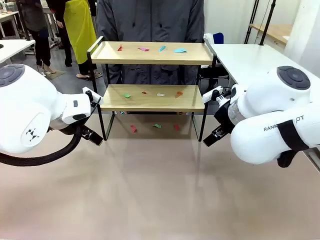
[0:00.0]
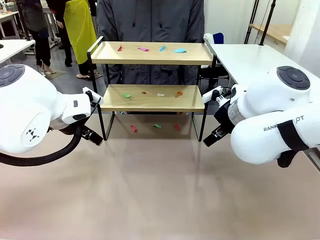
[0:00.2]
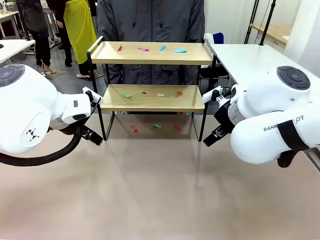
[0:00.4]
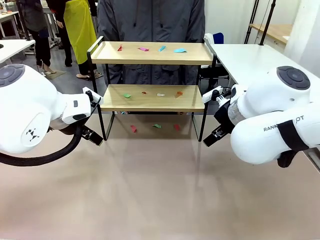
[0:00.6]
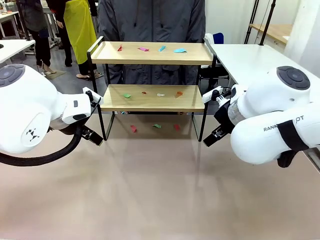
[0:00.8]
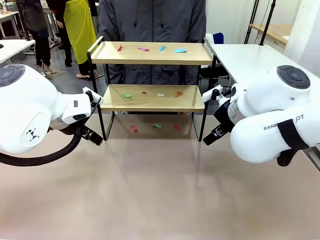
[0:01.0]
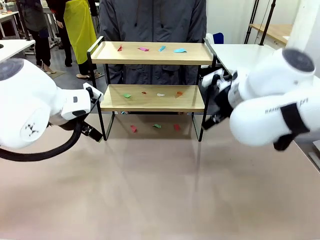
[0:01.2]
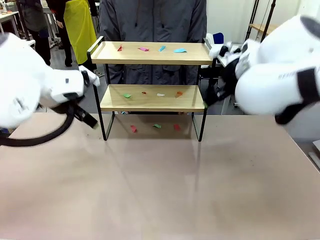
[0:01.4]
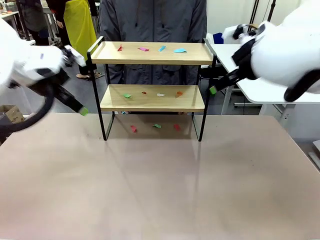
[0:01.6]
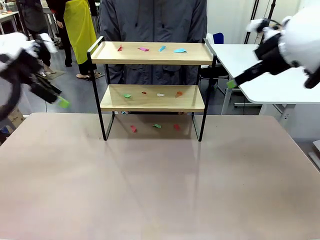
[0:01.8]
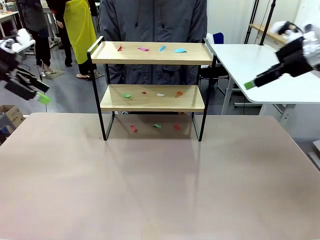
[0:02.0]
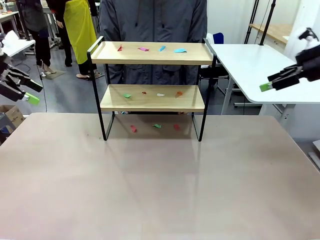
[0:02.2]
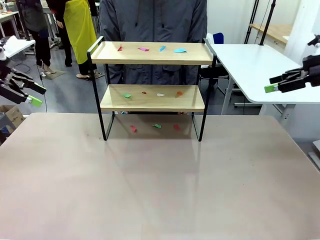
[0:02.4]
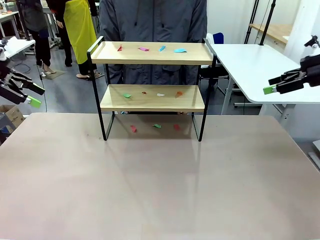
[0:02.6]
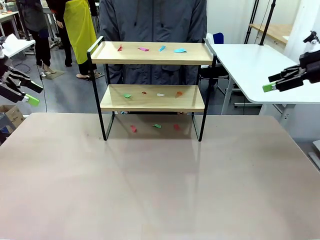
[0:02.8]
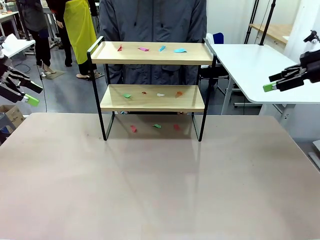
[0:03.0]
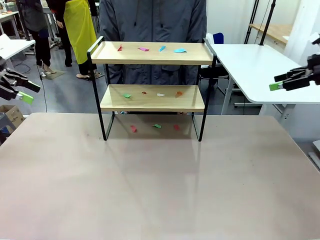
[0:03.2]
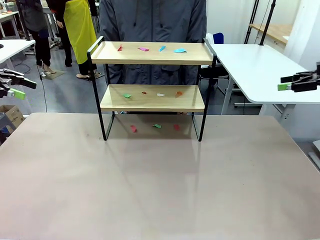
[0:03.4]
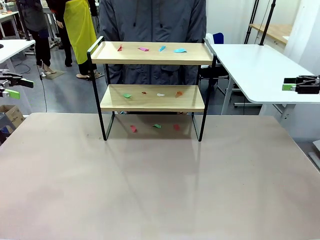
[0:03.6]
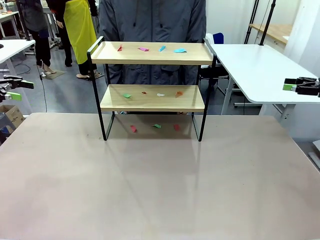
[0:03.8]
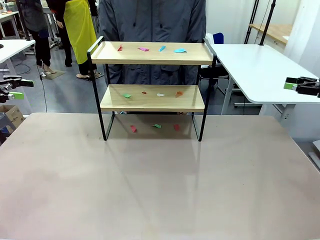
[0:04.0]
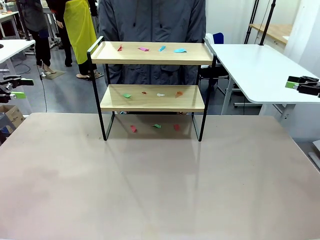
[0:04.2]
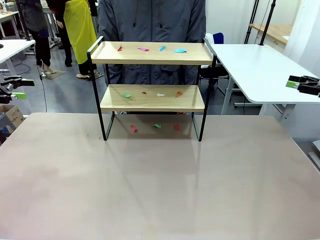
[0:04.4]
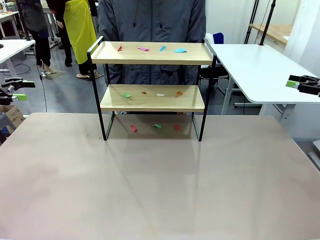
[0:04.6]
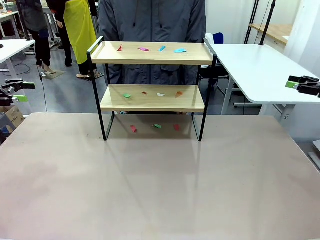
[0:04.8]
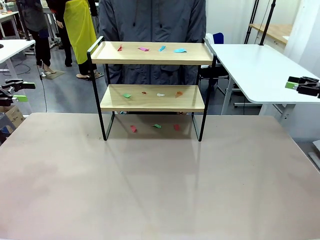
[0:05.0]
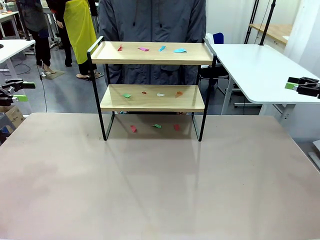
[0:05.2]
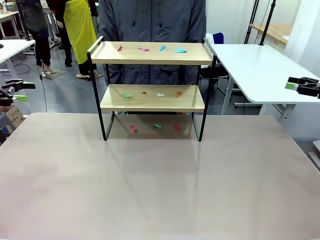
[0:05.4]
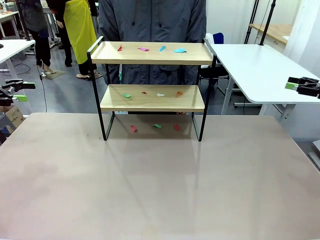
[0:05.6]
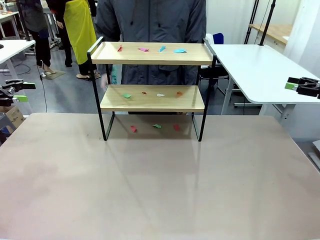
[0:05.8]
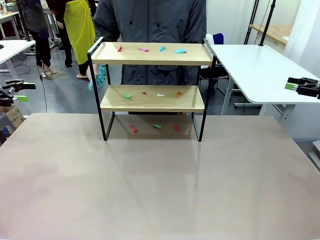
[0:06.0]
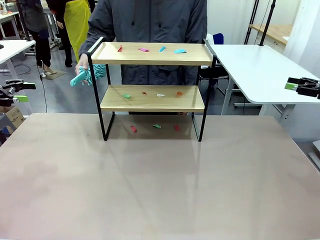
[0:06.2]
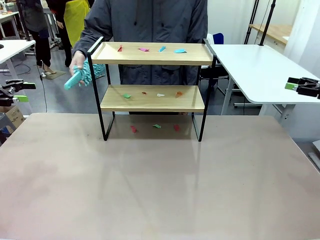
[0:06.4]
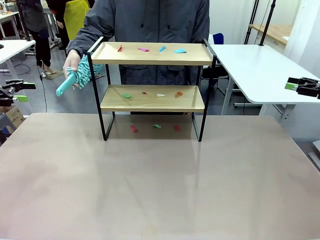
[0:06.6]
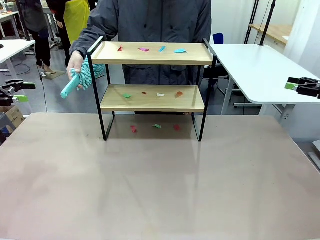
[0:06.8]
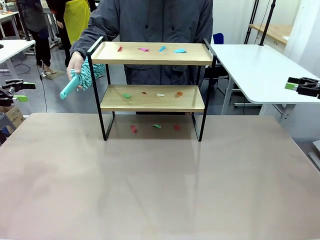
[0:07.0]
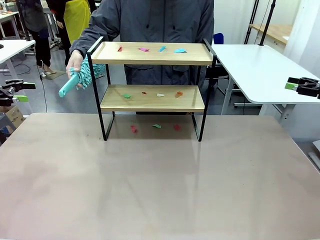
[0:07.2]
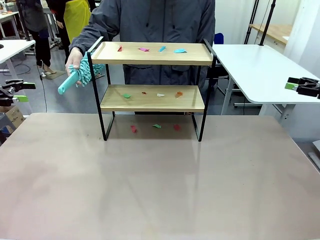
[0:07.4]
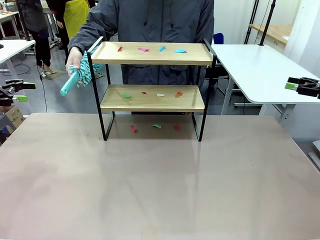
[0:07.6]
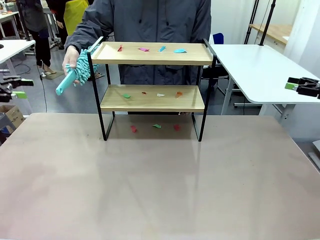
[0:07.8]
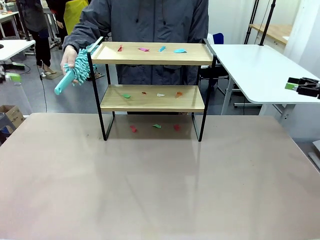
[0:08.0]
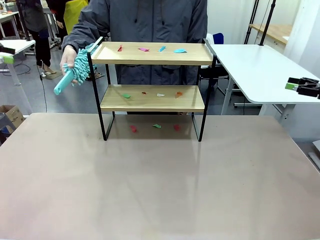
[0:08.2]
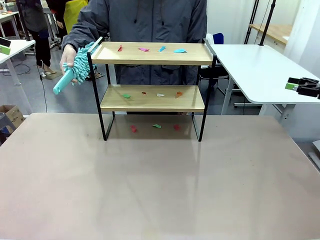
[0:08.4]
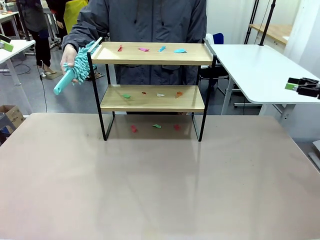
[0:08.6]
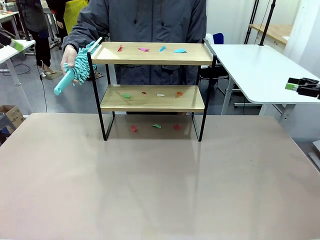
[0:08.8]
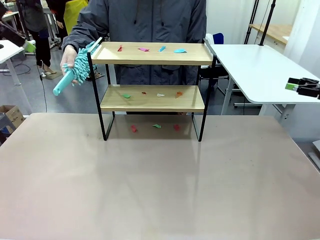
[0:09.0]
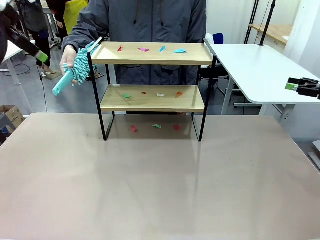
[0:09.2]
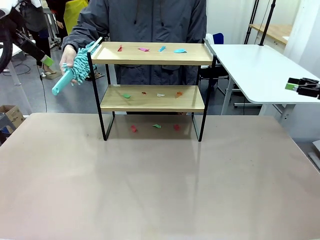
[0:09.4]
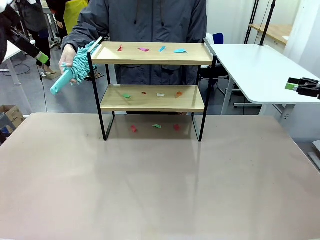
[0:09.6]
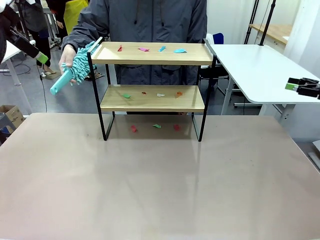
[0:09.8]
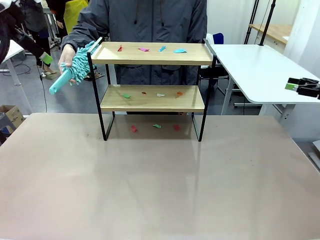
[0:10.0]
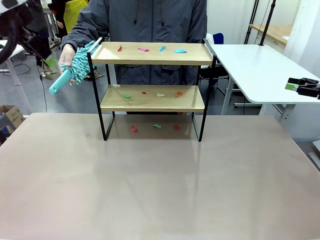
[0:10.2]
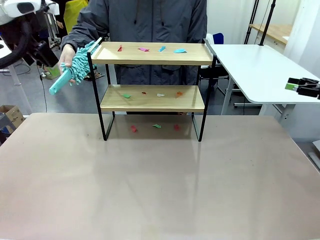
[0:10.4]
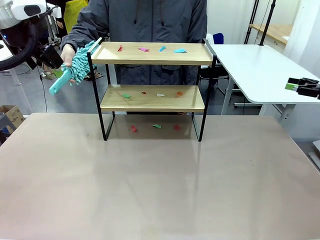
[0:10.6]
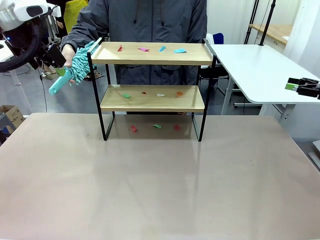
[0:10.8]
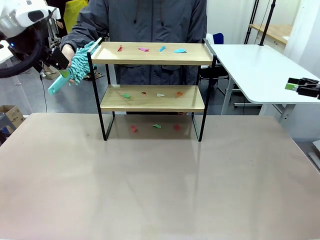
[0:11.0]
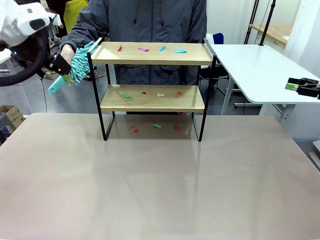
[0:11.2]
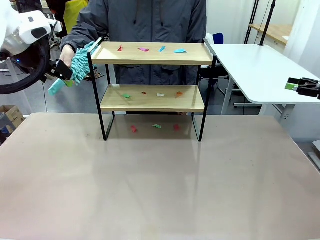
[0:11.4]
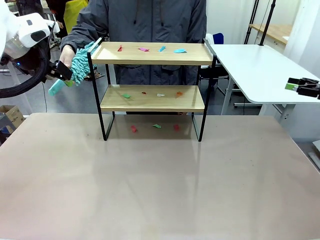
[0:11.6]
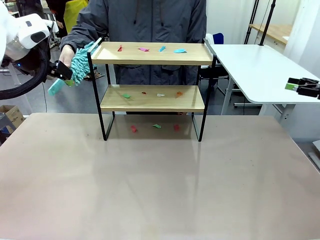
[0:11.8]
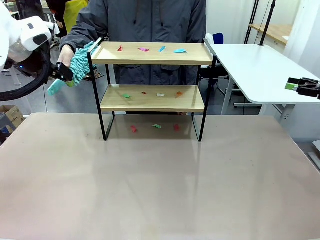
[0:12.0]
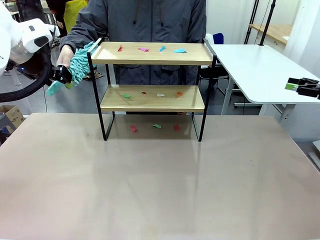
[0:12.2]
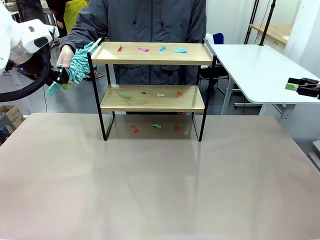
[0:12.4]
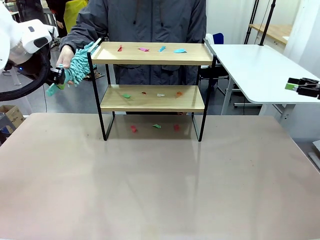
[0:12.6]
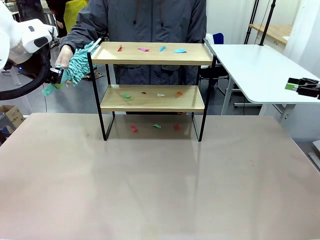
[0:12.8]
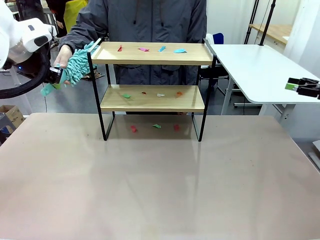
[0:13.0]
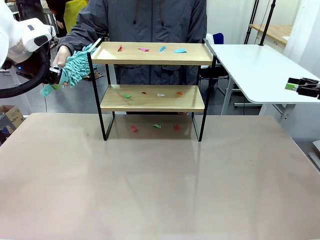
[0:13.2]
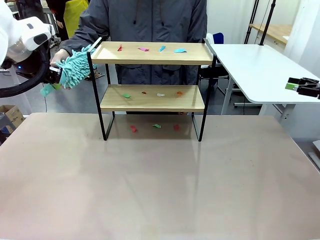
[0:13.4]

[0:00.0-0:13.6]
Task: Clean the shelf.
Robot: Pick up the Duster handed by the human.
Person: Hand the Duster to the robot.

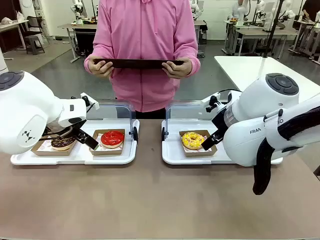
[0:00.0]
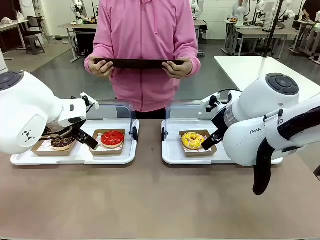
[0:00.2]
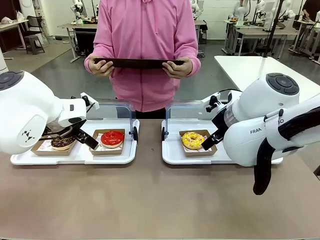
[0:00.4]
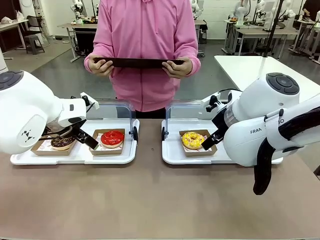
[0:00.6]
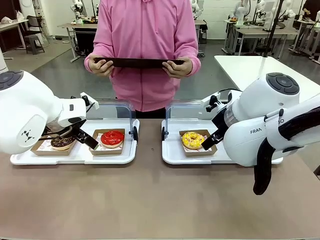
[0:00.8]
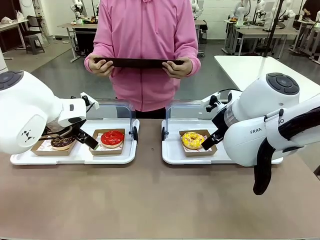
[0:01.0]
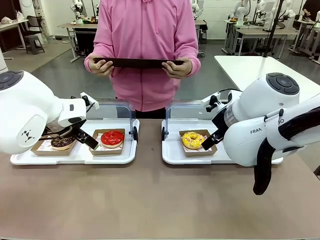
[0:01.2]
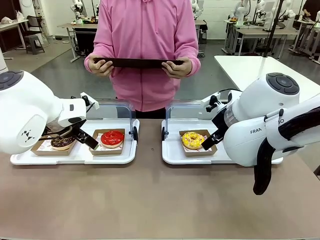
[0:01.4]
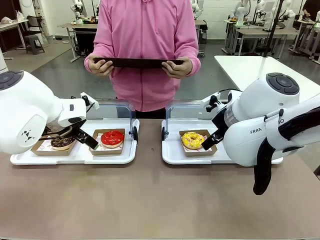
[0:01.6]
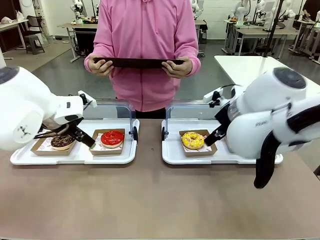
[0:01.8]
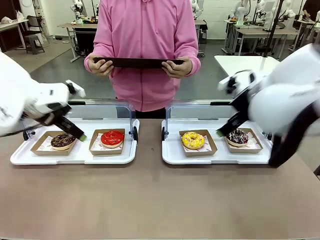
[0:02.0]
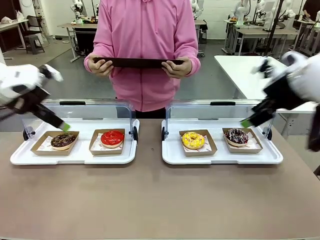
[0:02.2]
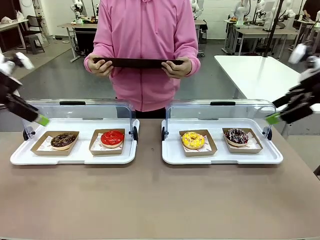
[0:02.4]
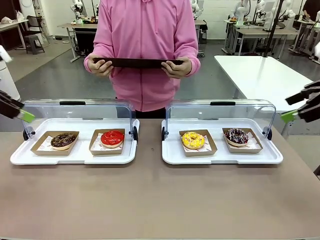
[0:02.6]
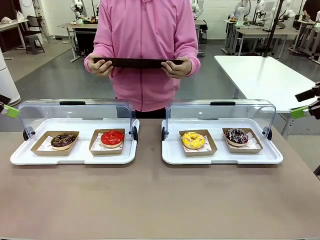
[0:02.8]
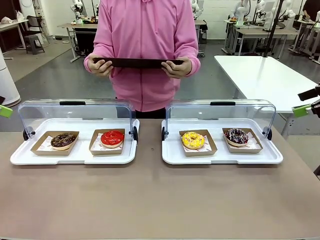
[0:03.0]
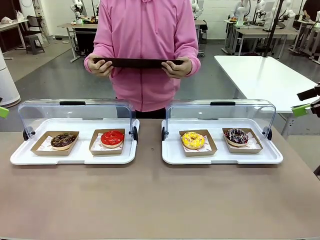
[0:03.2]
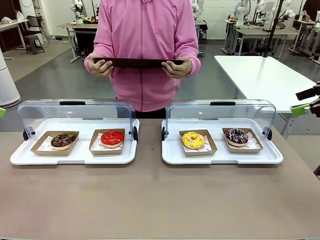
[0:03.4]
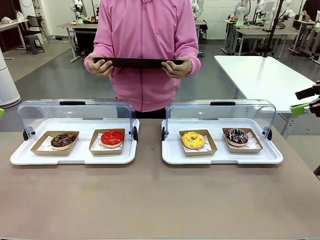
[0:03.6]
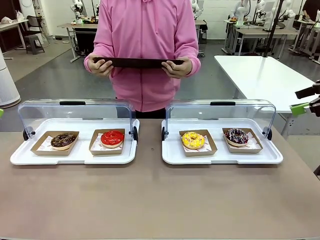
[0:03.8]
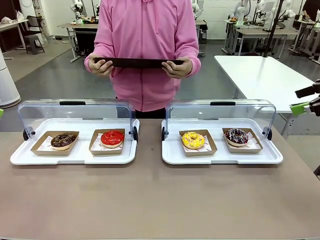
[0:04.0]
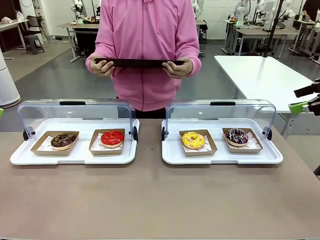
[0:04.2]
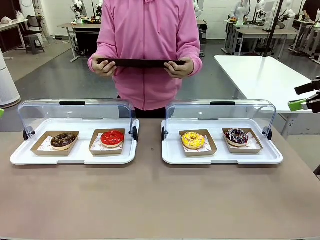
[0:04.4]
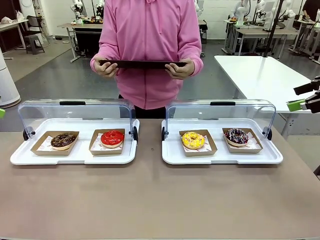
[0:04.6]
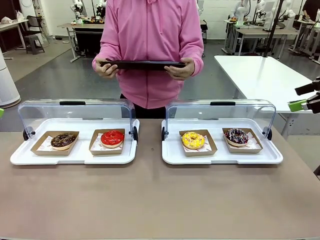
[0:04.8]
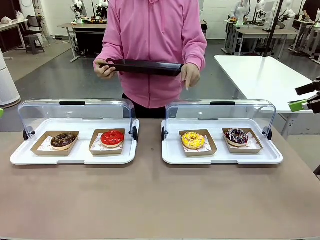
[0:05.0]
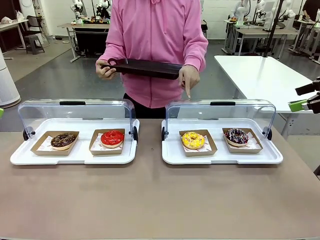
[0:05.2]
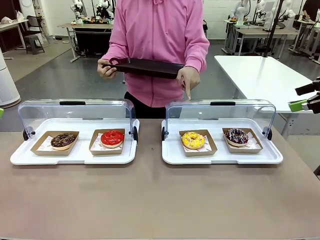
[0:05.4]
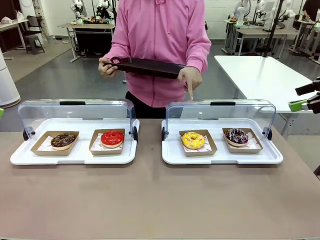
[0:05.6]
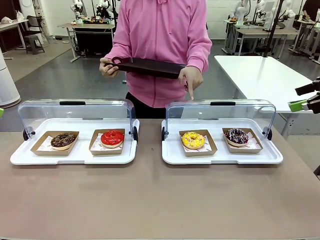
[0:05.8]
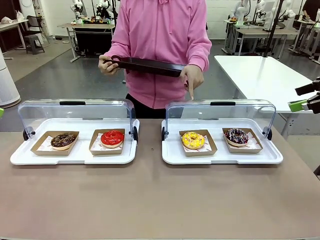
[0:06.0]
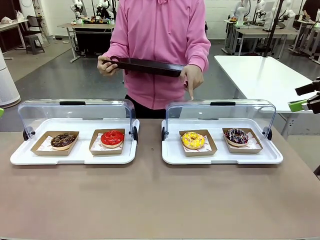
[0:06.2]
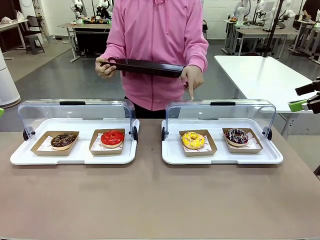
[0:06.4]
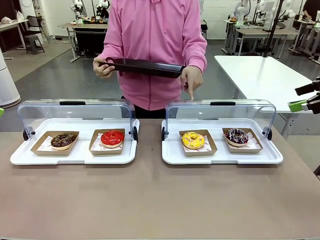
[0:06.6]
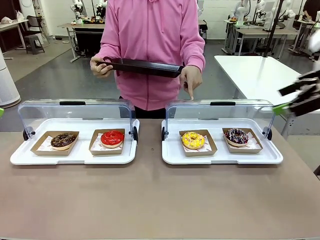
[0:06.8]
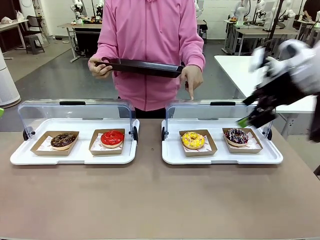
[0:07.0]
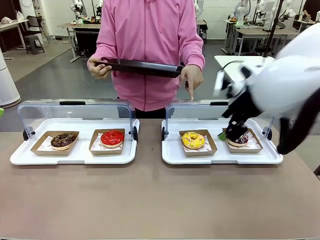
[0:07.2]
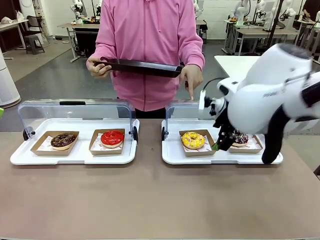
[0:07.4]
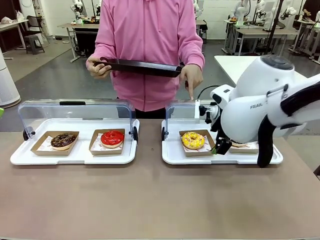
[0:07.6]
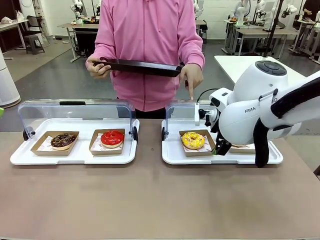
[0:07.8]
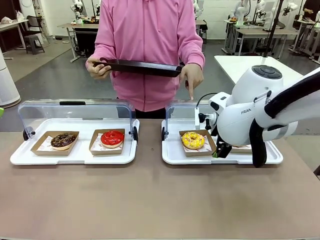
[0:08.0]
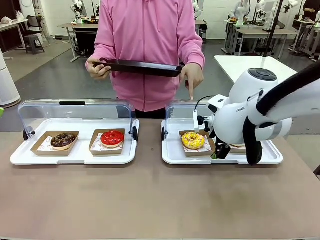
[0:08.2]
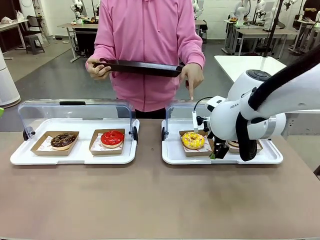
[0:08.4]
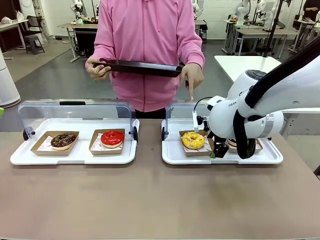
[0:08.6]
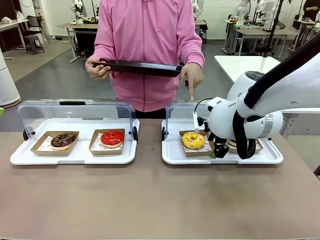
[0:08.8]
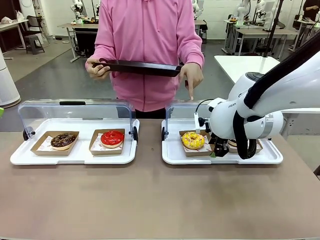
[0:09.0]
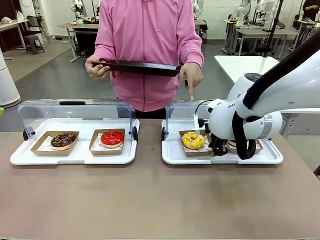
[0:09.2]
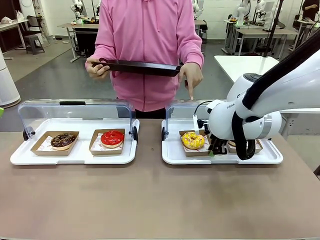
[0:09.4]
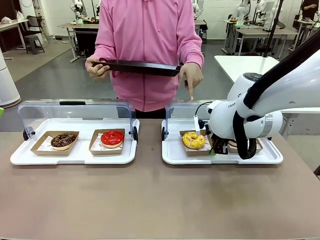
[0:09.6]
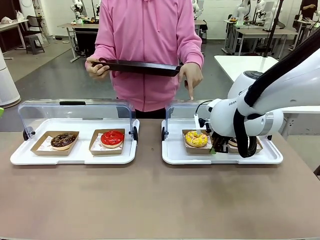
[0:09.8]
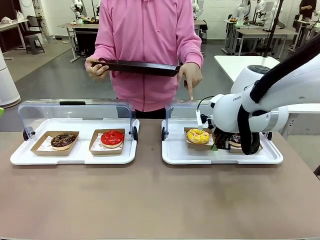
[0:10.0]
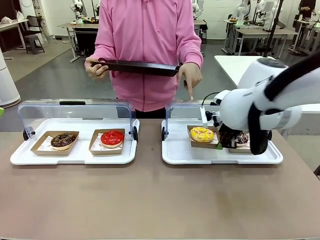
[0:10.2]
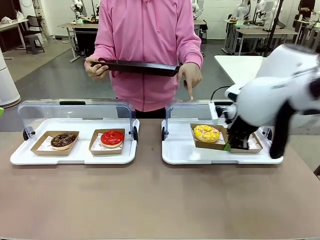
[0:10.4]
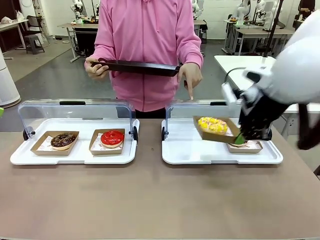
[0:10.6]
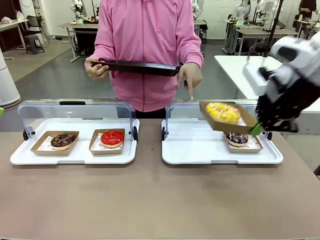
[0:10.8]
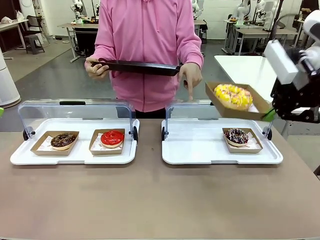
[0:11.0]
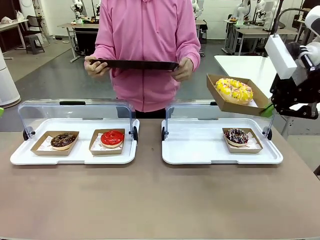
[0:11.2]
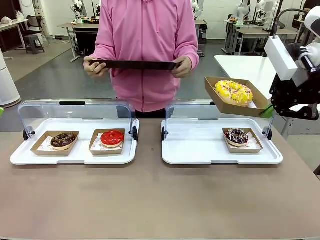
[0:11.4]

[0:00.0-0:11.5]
Task: Provide the desired donut to the person.
Robot: Pick up and lift the Paper togo box containing the Donut pointed at by the person.
Person: Point to one donut. Lift the tray onto the Roll-Top Bakery Case.
